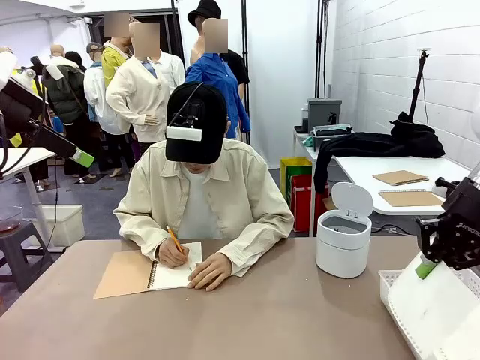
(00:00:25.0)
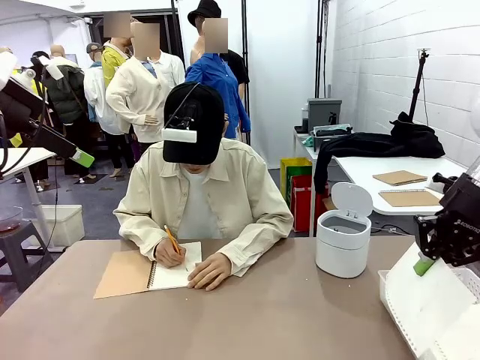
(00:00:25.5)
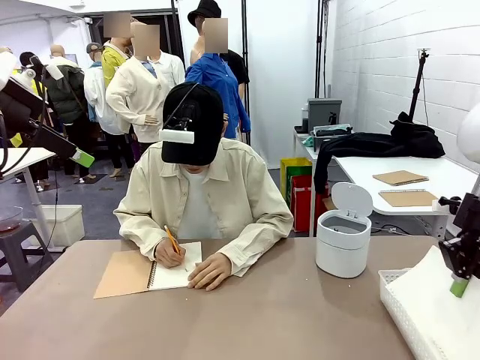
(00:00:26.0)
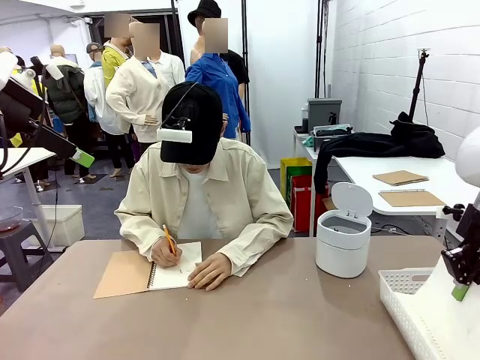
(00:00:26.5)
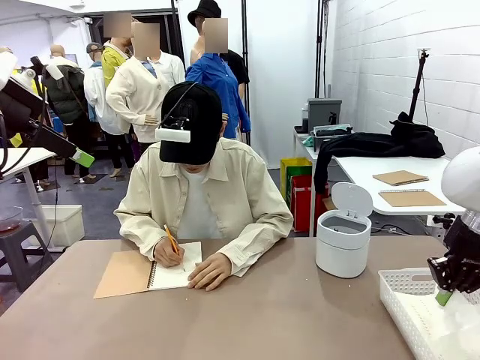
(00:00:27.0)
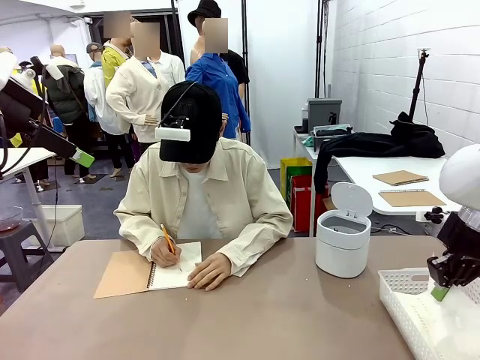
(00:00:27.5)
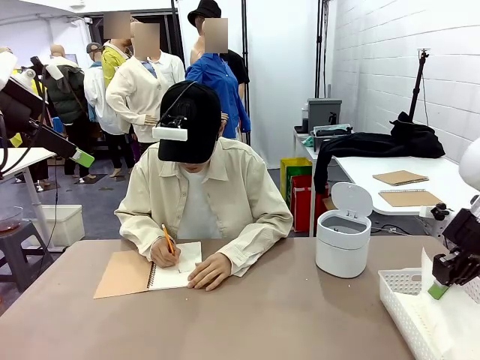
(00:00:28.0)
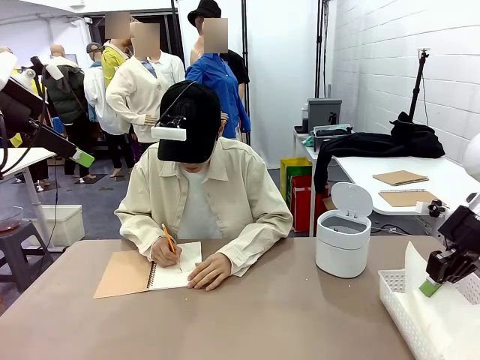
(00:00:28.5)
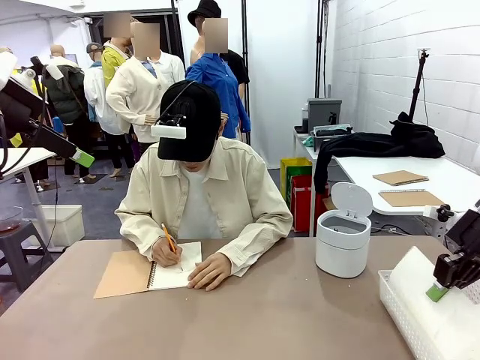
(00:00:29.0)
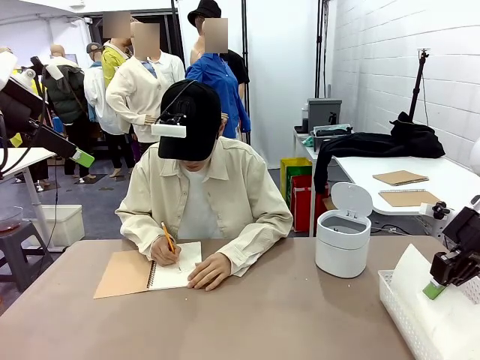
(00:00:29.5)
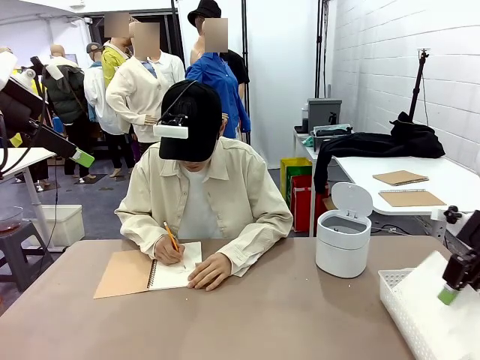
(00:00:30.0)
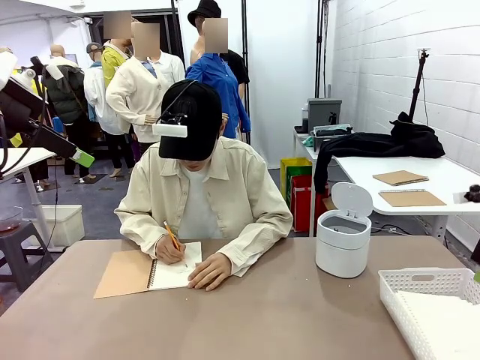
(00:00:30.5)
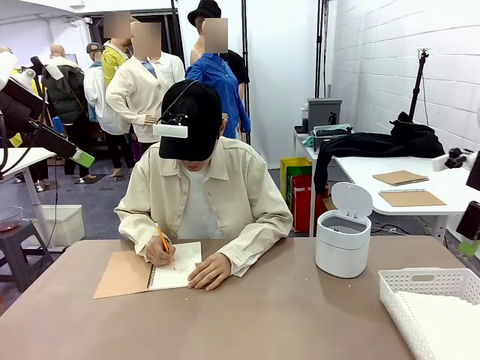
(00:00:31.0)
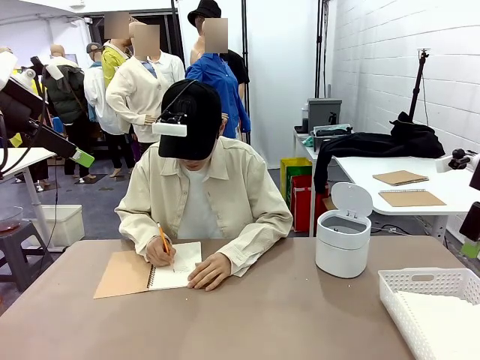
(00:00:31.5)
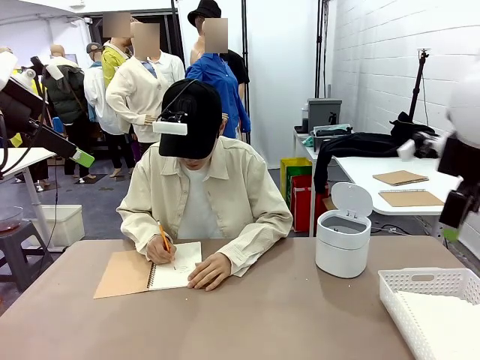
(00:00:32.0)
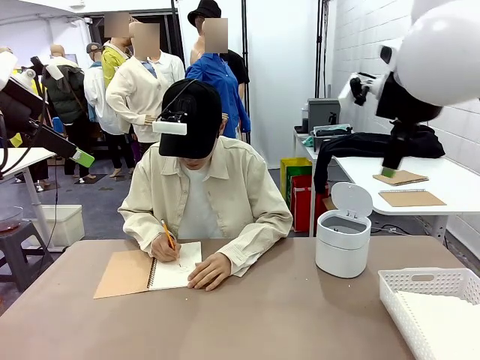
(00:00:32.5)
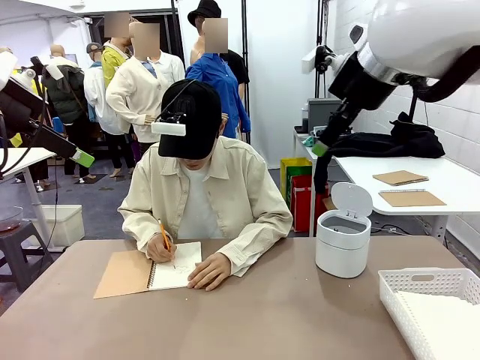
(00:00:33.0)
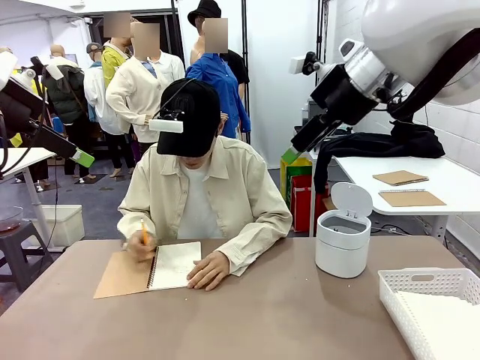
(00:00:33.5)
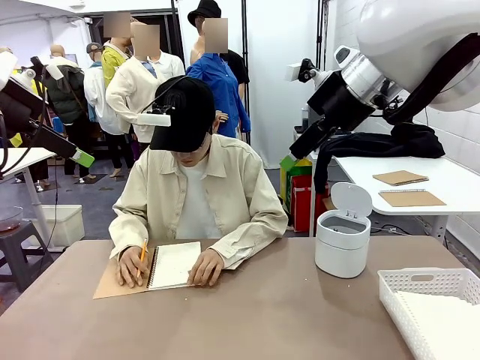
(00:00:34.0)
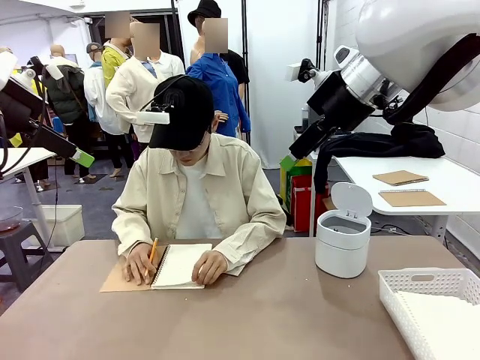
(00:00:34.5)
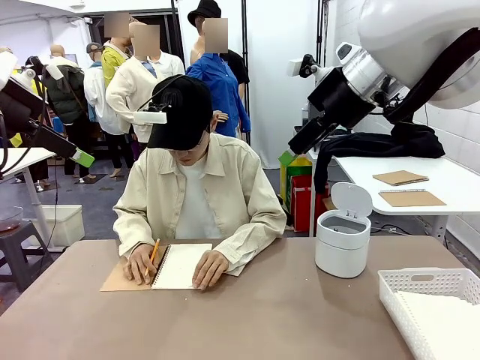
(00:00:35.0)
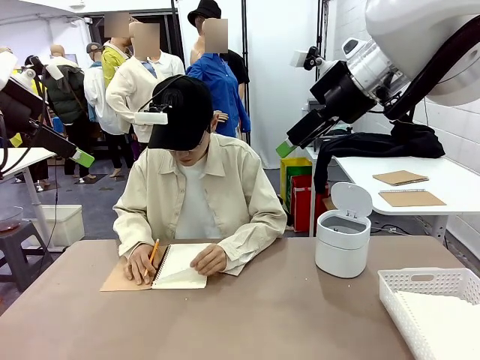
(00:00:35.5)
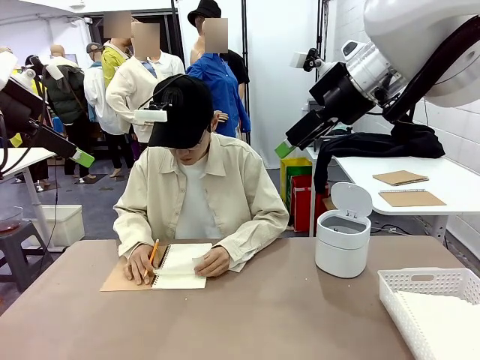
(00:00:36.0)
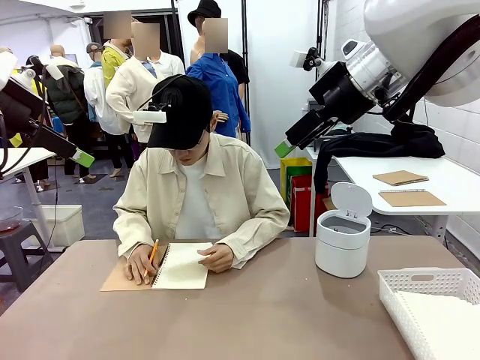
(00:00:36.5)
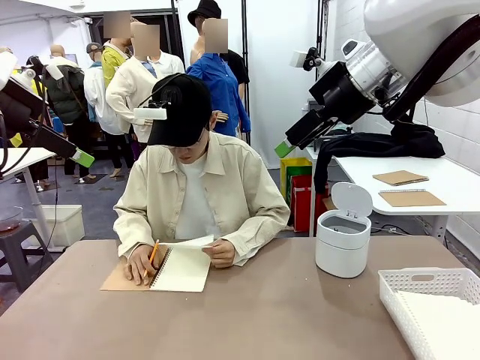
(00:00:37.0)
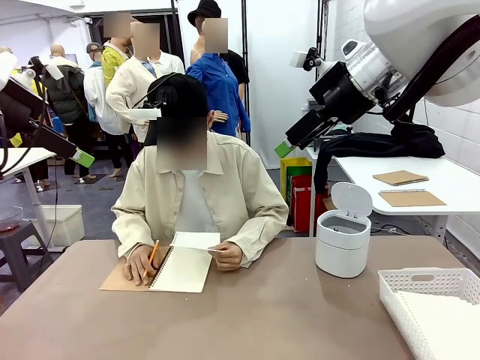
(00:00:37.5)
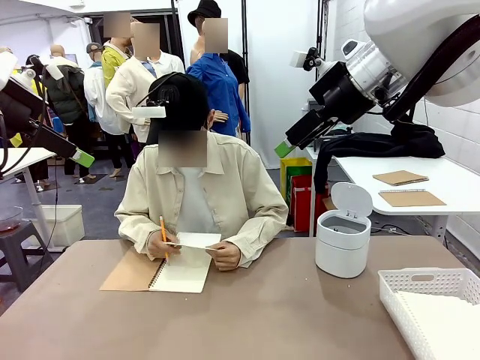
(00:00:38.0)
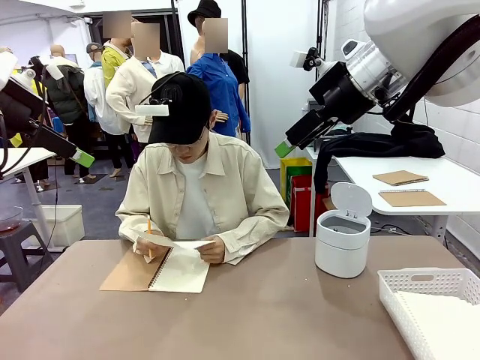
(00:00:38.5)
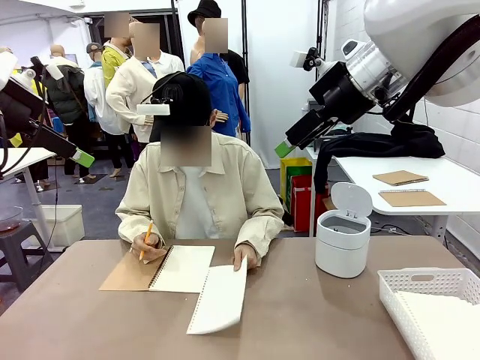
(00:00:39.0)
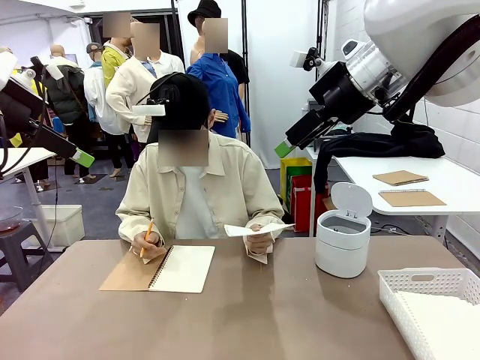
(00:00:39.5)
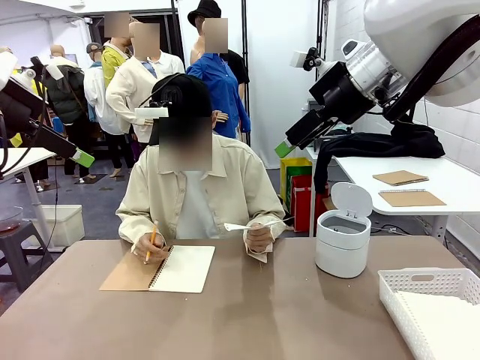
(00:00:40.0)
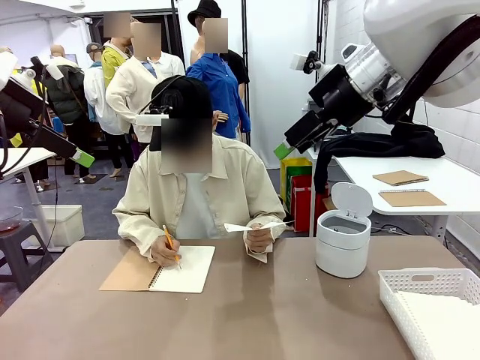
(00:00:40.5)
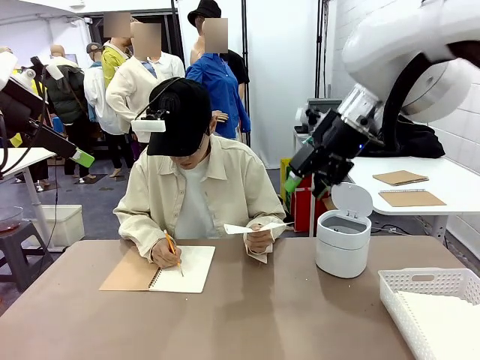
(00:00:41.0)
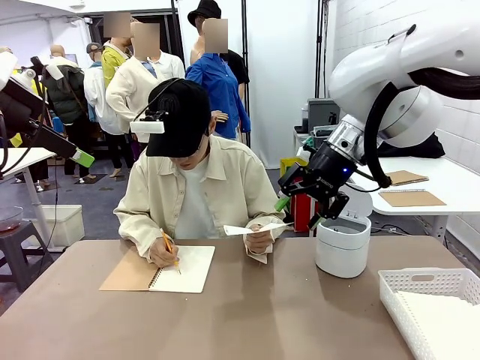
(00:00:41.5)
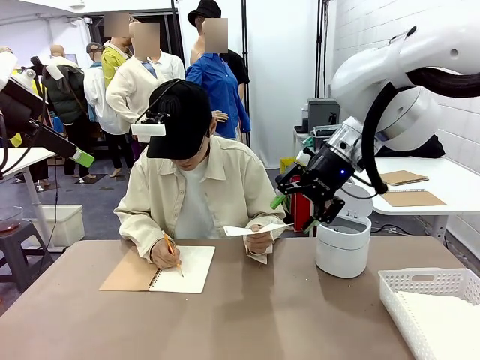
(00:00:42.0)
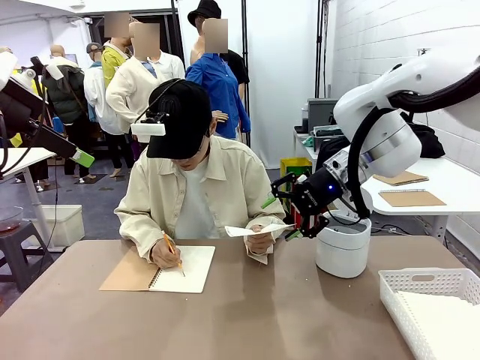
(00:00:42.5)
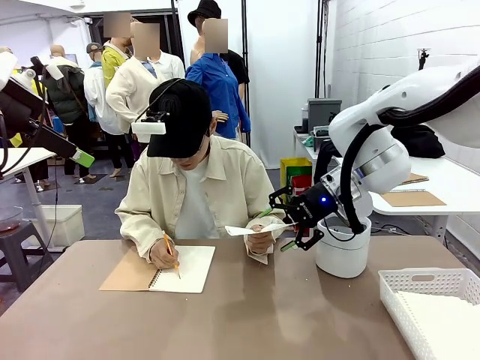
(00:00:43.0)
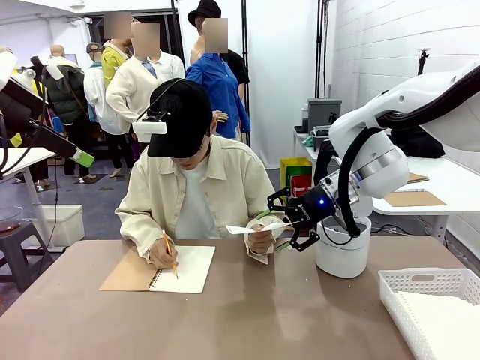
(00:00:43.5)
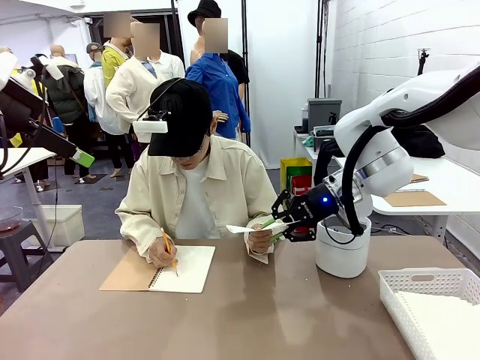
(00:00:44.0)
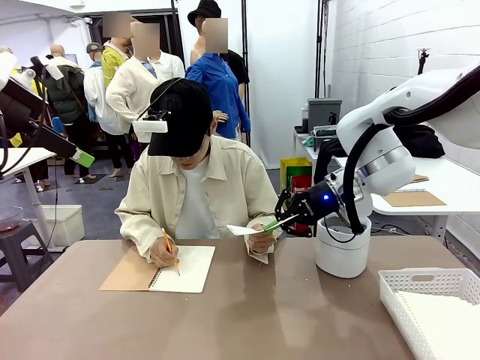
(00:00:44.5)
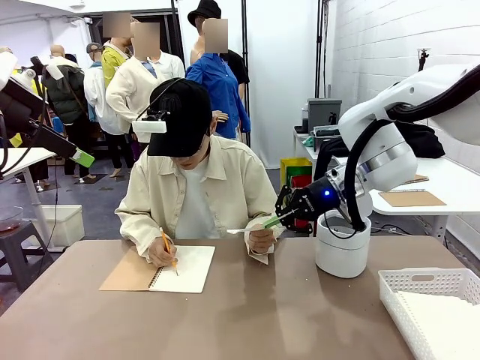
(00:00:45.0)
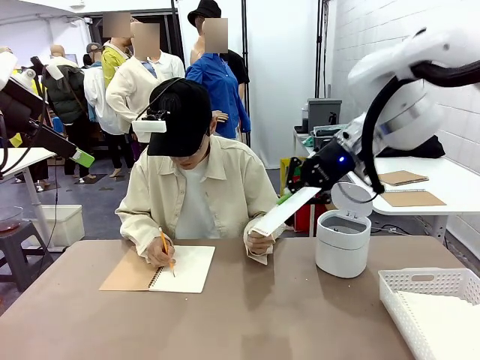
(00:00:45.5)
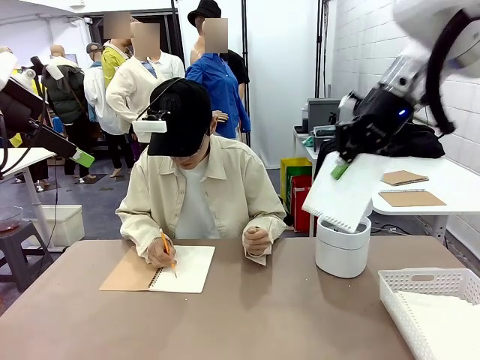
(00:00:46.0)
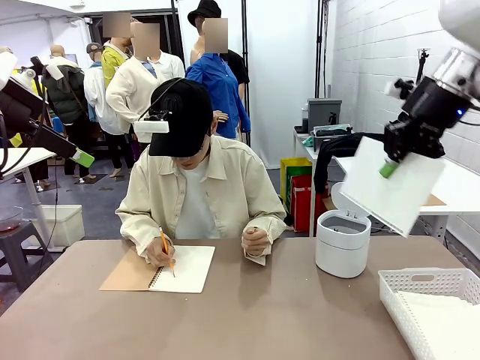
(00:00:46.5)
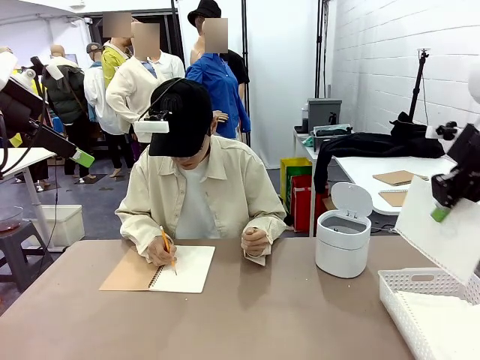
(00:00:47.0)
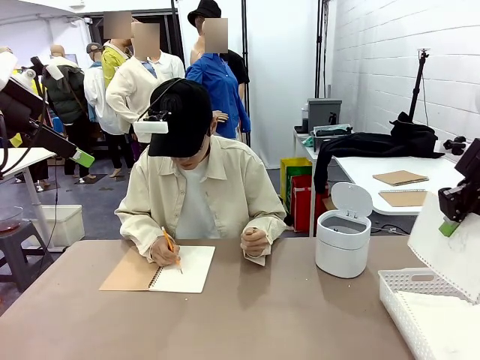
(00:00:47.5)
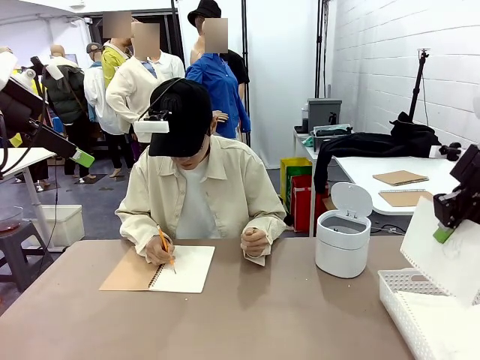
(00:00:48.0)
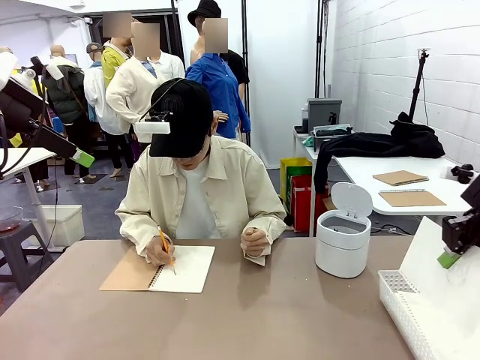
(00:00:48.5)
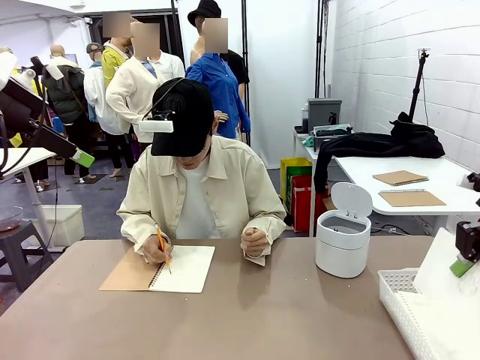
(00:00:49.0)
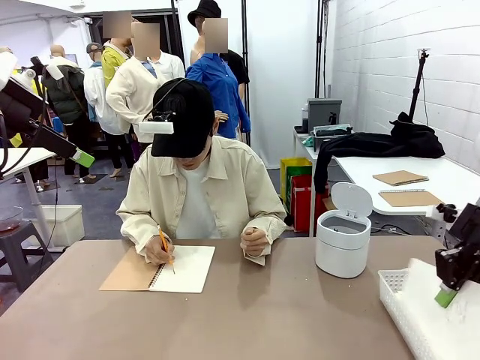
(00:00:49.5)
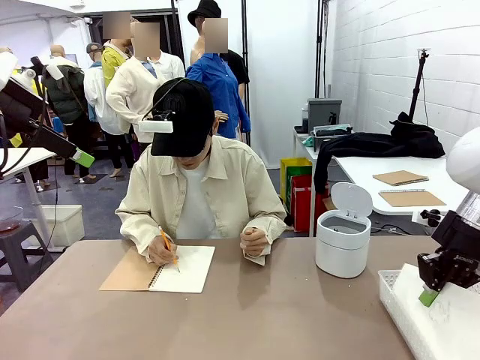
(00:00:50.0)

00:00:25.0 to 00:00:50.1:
Task: Sort the paper based on its condition.
Robot: If a person hands you a paper, place it in the Organizing basket , and if it's crumpled, put it in the Trash can.
Person: Tear out a page from the spiral notebook. Hand the torn page to the robot or crumple it and throw it to the center of the table. Tear out a page from the spiral notebook.
